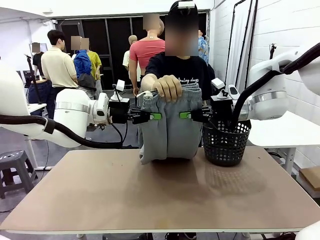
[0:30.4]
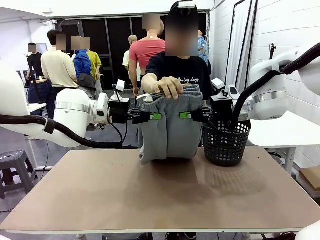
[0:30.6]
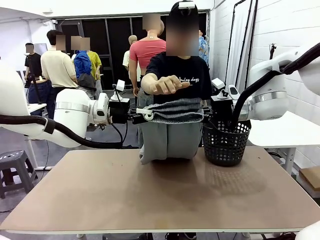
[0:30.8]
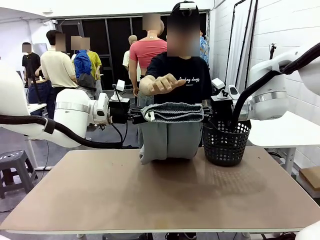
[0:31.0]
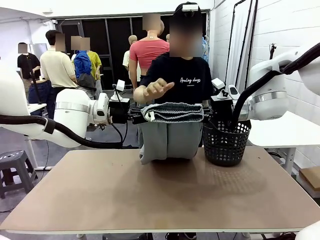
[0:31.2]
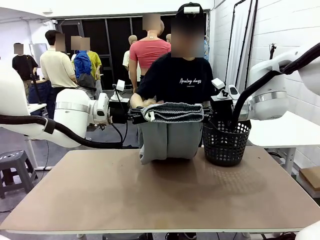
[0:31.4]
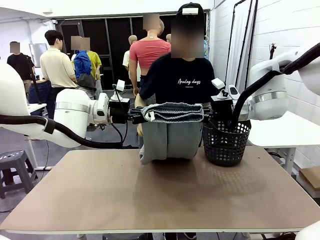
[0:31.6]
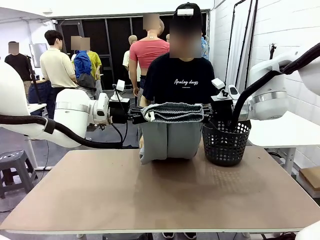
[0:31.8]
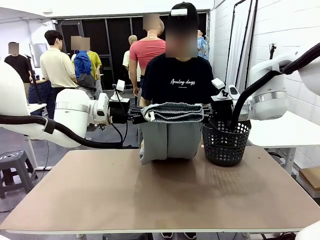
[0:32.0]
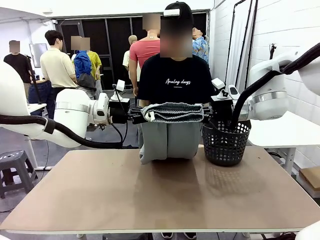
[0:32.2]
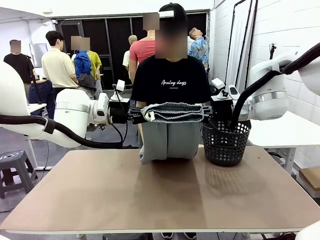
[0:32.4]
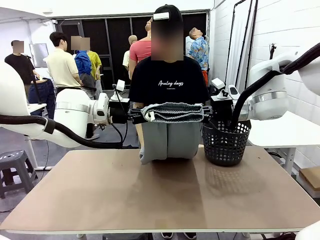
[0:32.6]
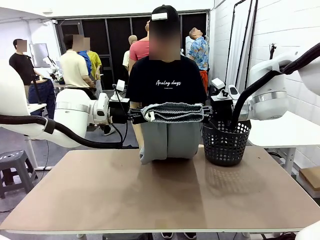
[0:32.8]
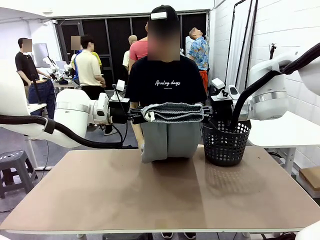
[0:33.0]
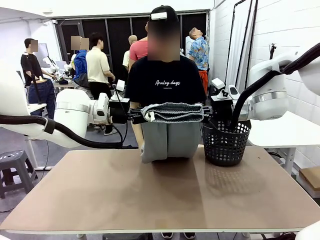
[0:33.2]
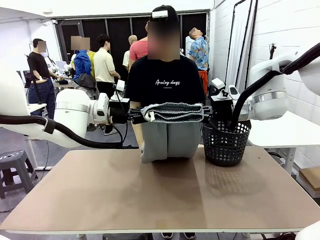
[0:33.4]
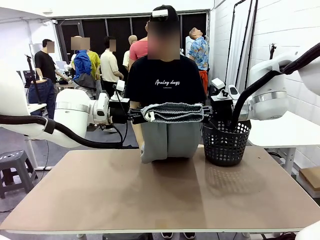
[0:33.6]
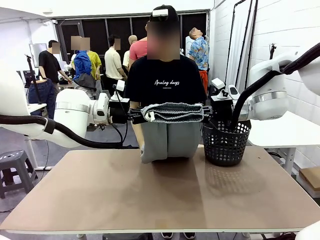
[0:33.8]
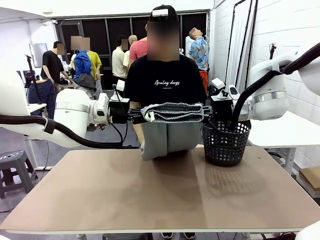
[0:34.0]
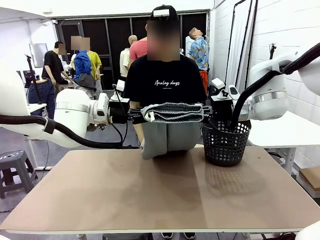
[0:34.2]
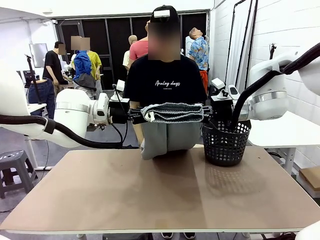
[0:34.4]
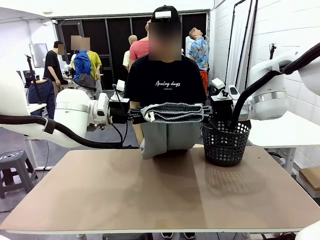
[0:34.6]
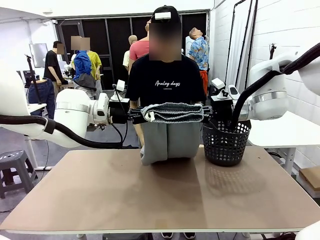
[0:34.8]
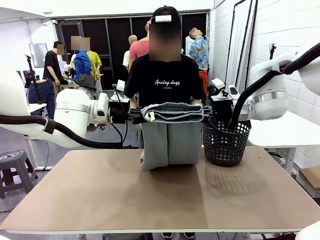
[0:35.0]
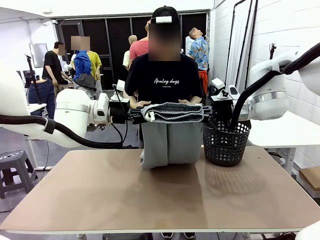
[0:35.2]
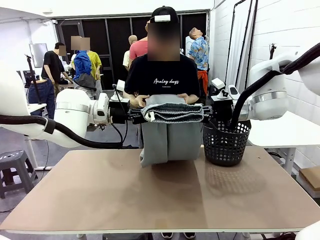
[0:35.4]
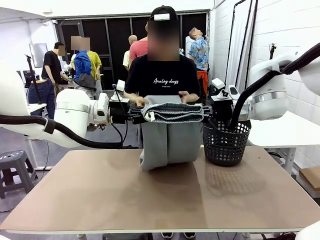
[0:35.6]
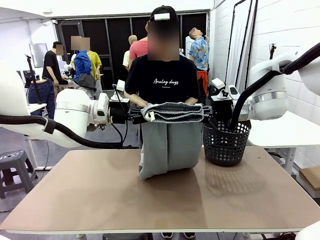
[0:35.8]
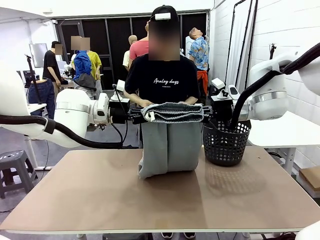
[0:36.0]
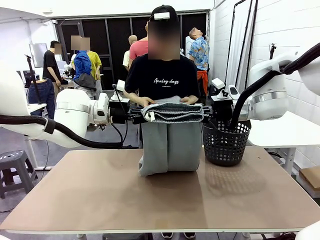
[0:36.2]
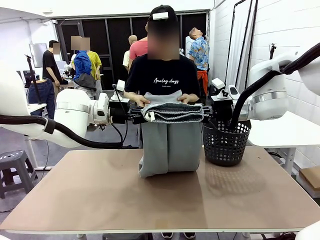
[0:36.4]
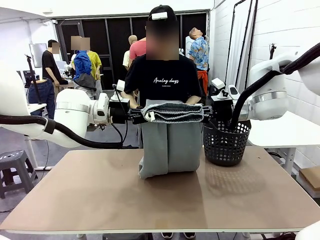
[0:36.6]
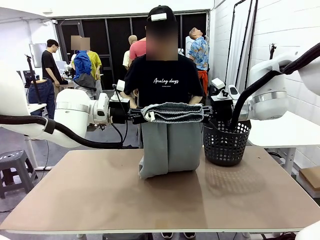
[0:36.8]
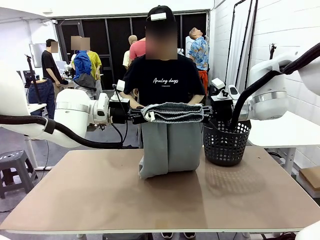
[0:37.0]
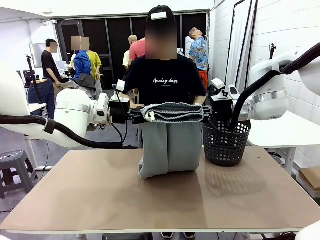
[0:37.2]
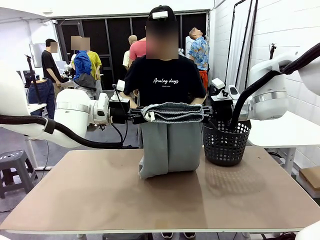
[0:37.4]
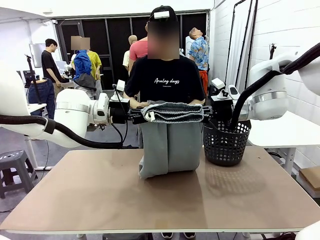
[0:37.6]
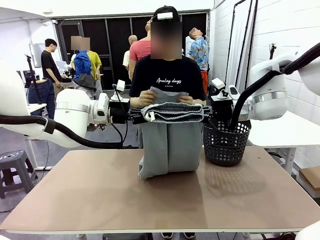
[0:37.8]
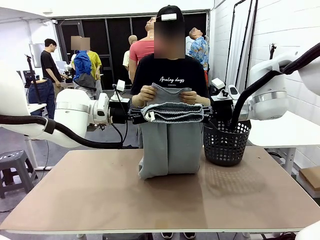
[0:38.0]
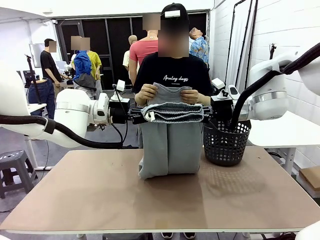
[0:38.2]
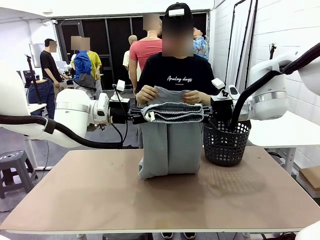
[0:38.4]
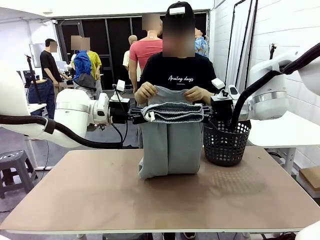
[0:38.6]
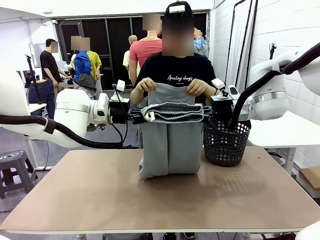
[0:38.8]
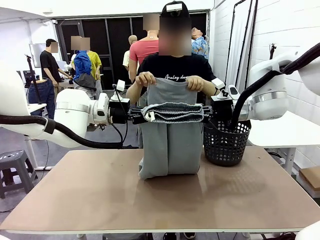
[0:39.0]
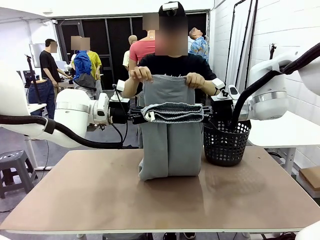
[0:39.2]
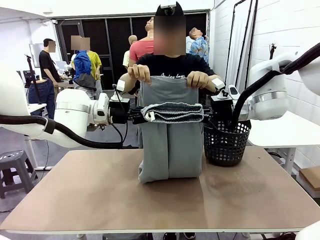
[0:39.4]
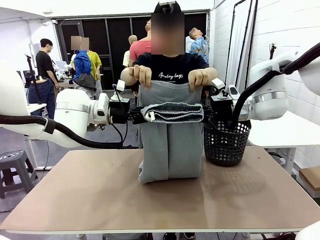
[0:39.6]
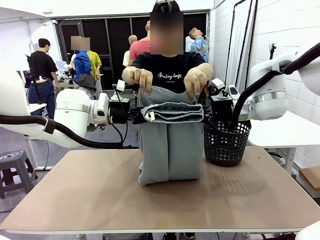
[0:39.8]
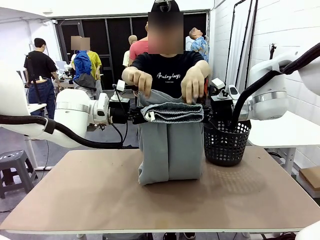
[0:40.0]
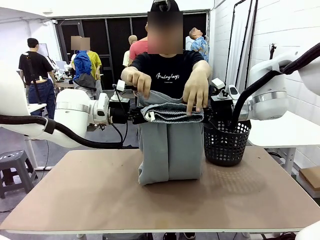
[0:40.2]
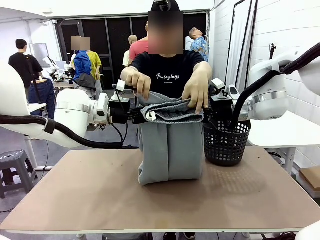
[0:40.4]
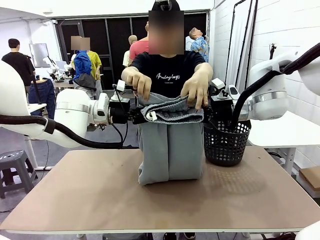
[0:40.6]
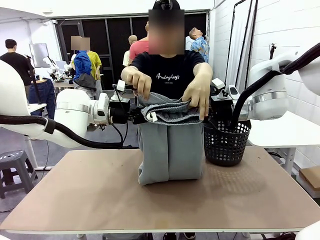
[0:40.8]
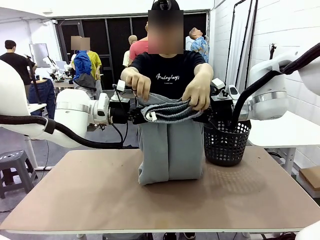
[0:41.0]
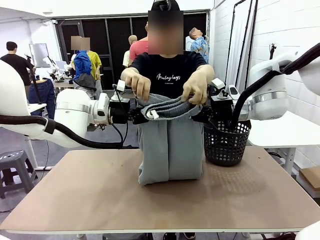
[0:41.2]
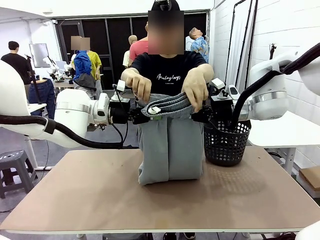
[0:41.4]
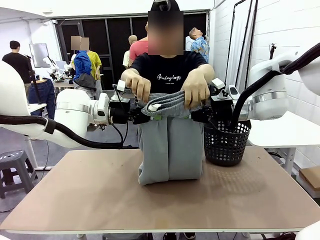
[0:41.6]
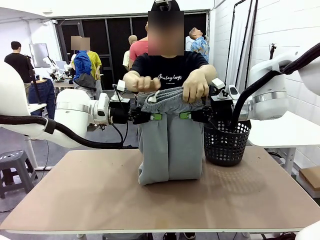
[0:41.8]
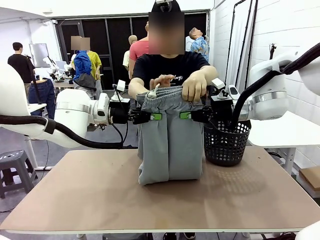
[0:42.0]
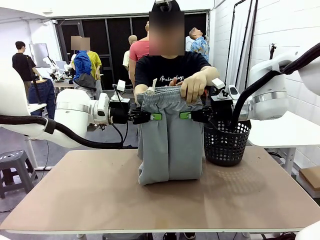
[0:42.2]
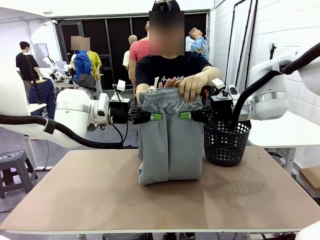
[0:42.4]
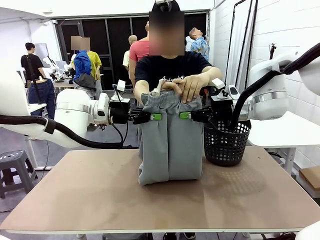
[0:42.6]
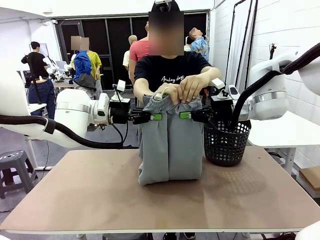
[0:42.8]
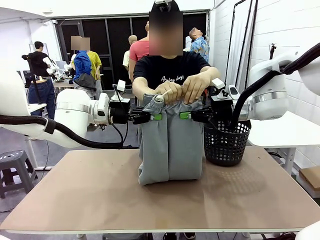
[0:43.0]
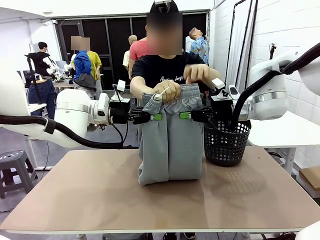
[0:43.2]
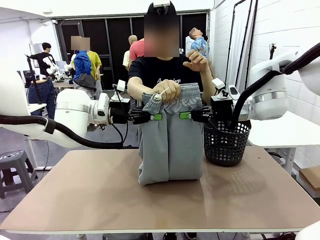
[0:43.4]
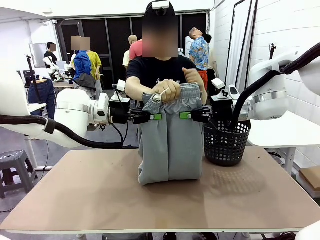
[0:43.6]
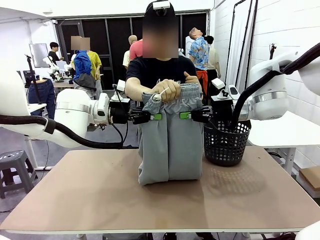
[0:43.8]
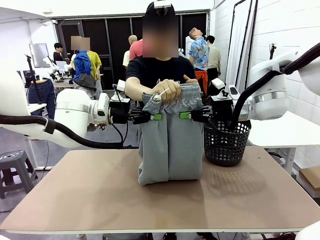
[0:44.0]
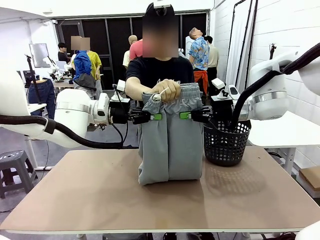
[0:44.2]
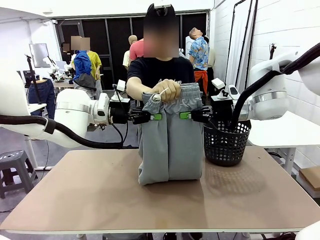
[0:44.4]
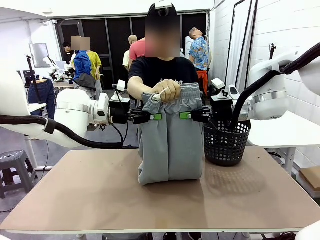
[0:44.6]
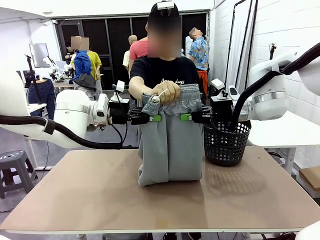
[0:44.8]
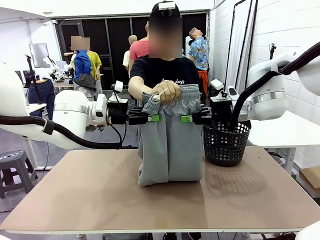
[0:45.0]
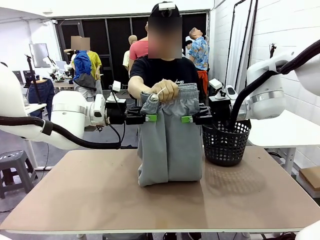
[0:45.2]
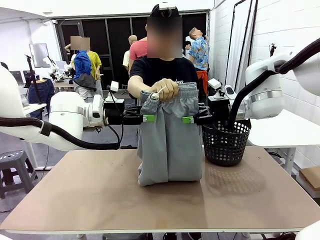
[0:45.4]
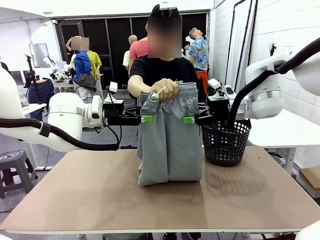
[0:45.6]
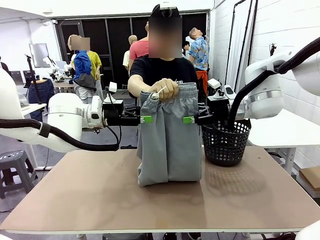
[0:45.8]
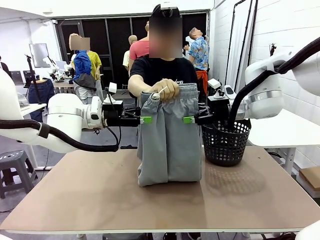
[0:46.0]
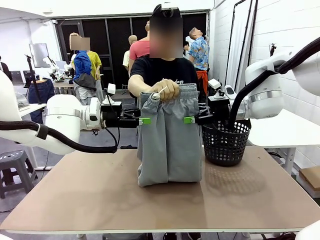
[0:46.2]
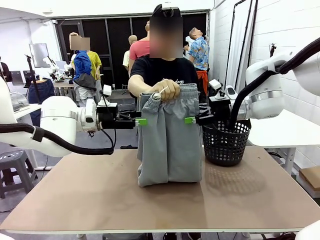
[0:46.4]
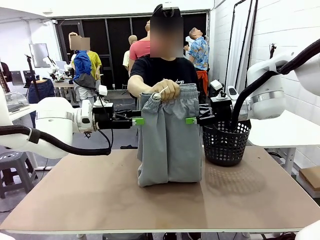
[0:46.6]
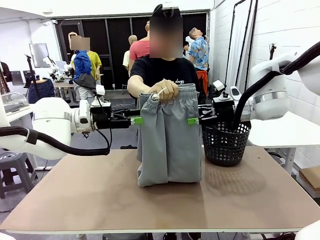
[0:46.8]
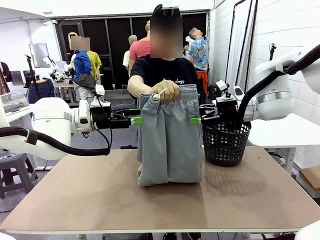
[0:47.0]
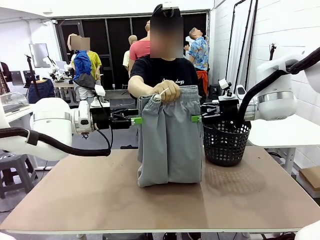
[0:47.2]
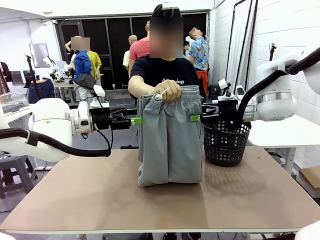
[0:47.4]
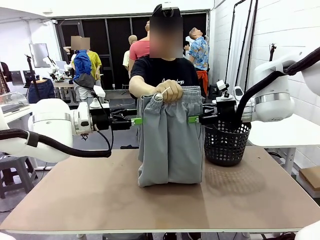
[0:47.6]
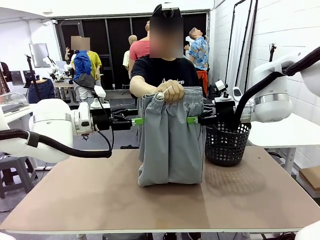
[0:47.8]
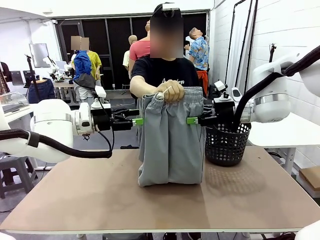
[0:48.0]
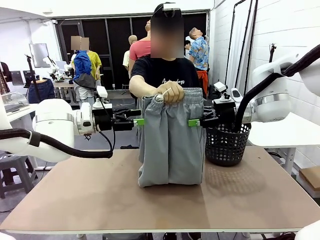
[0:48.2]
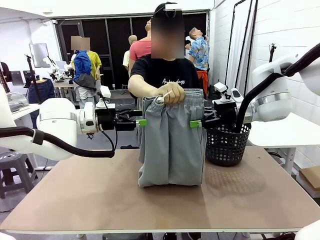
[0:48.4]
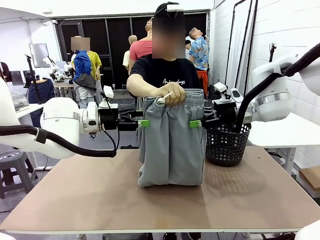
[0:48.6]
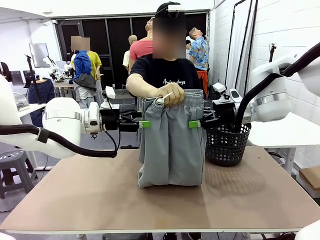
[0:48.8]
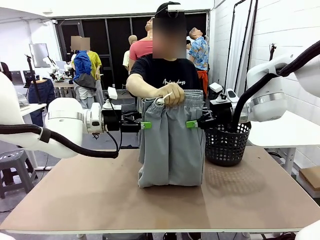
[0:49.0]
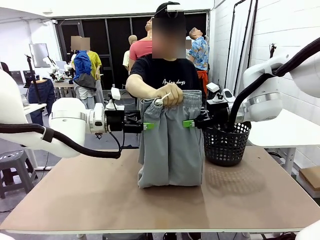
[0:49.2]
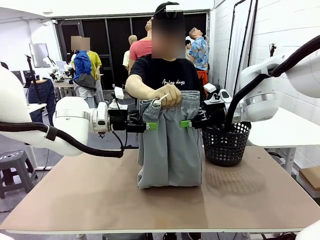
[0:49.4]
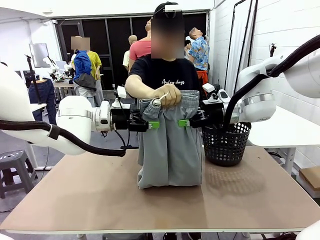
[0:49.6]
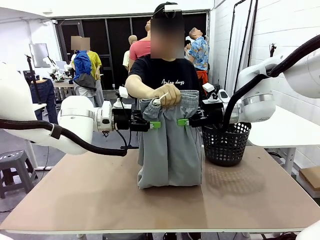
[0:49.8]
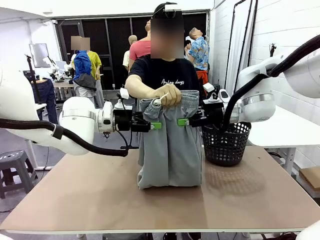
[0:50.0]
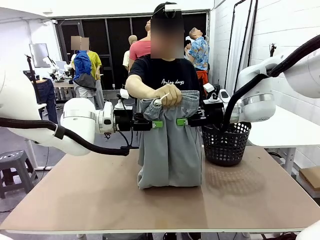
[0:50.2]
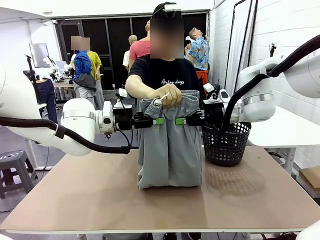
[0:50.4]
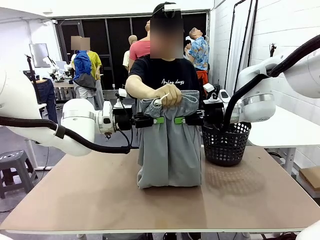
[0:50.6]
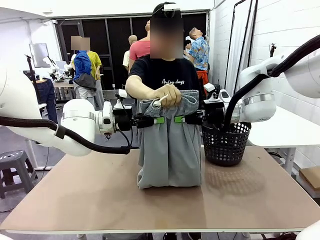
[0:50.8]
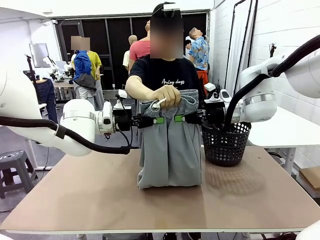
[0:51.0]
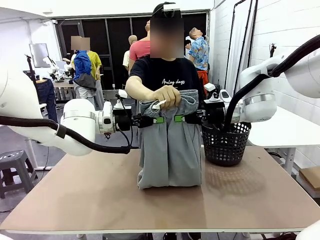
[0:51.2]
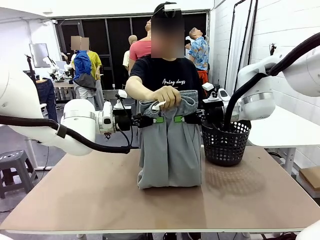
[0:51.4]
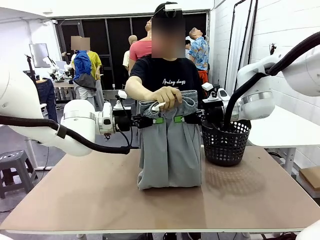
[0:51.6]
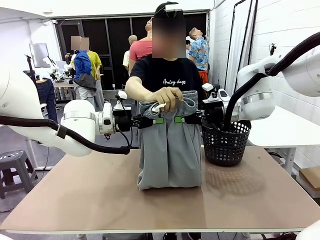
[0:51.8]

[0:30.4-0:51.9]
Task: Fold the training pants.
Robot: Release the ends of the Training pants and then grab the overlapped ends.
Person: Grasp the end opposite the point the robot is holding, fold the pants in half, and then grasp the overlapping top end of the folded pants. Release the pants you were holding.
